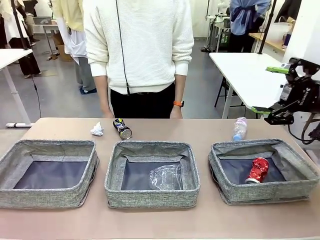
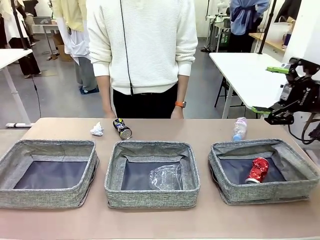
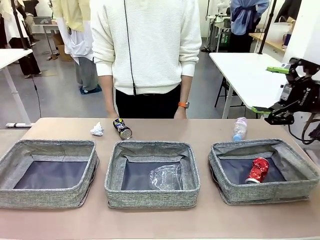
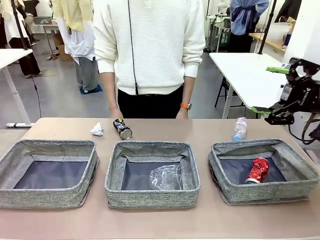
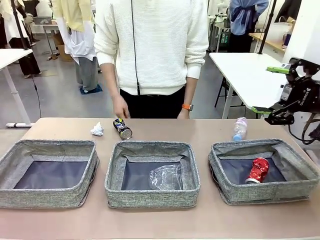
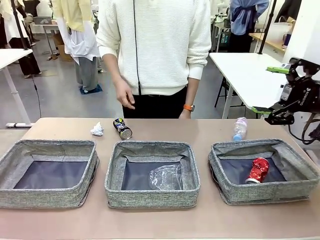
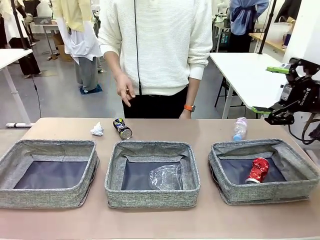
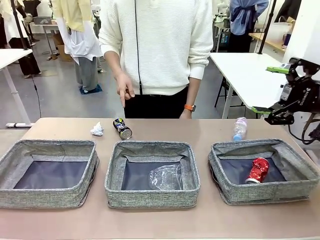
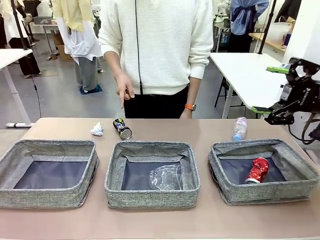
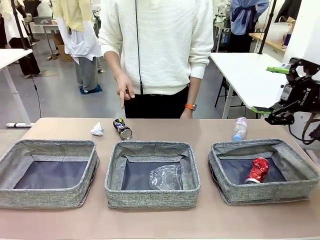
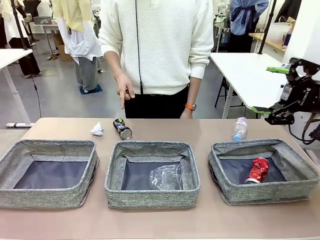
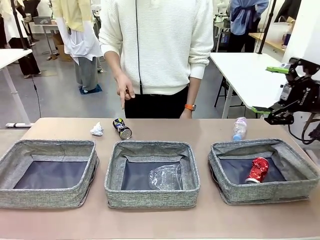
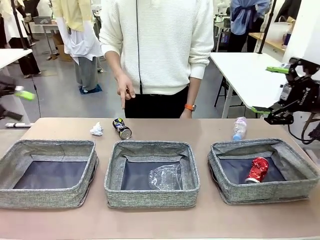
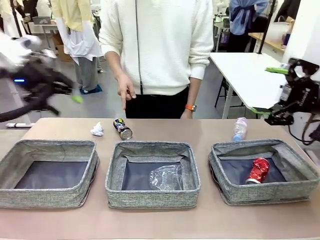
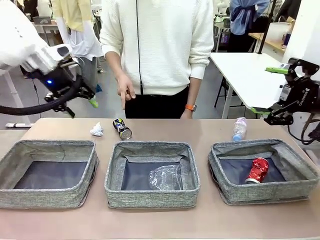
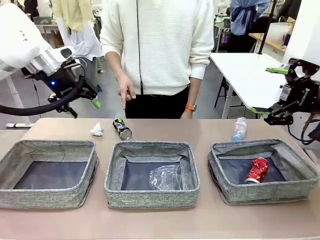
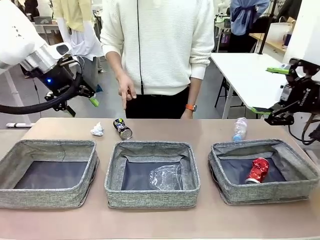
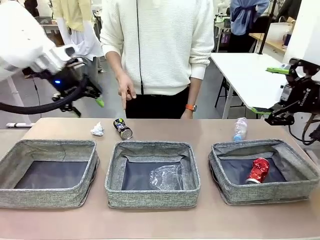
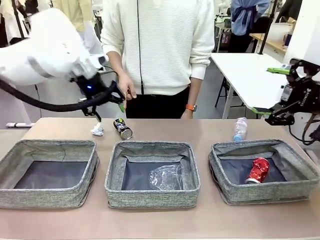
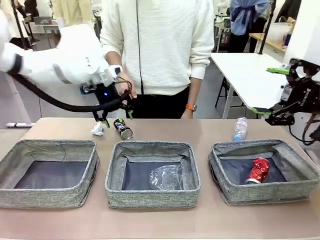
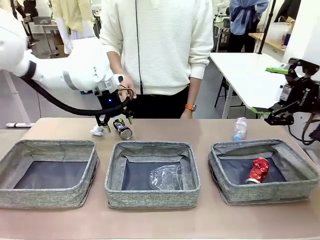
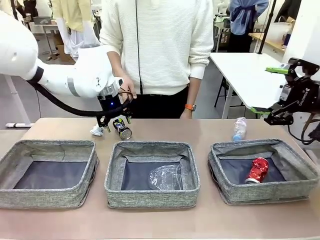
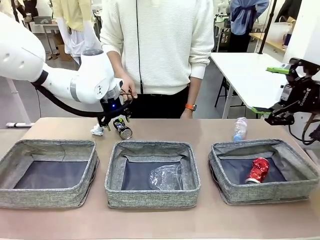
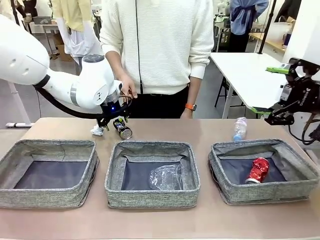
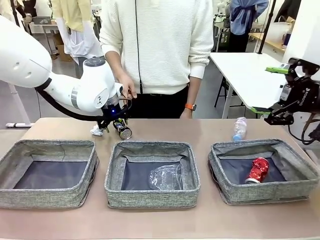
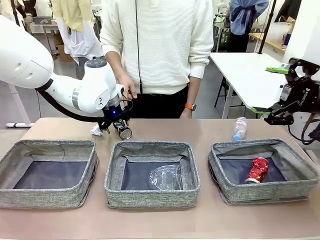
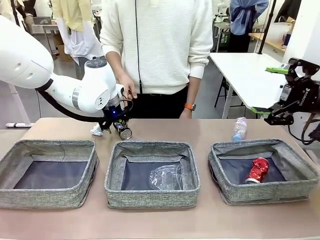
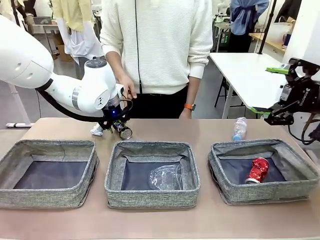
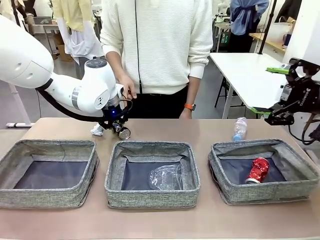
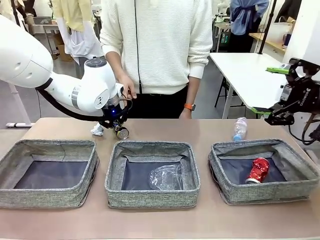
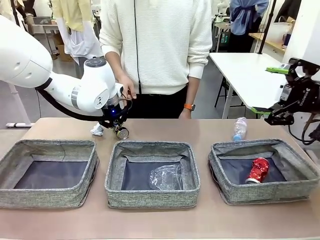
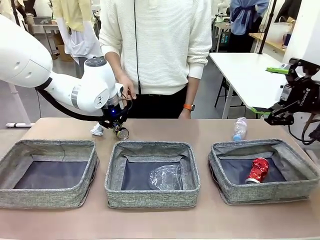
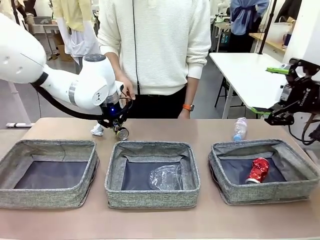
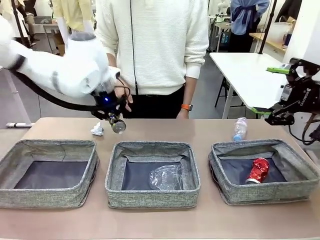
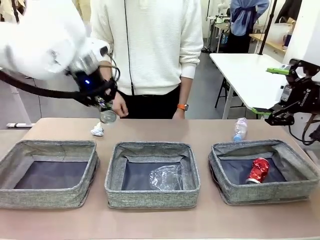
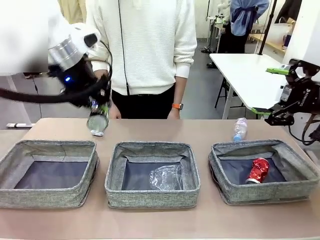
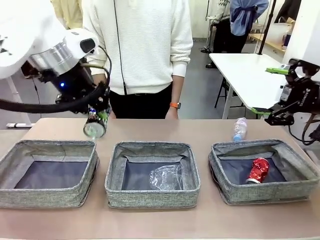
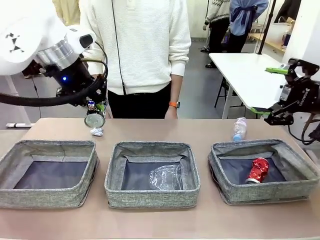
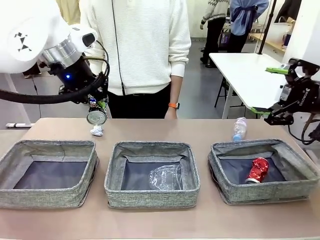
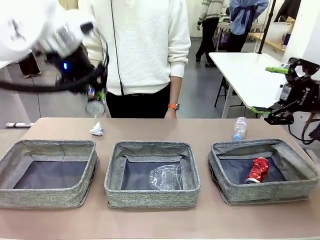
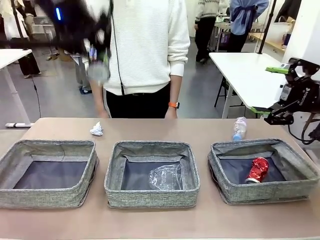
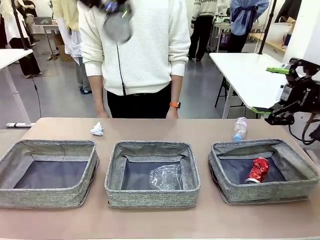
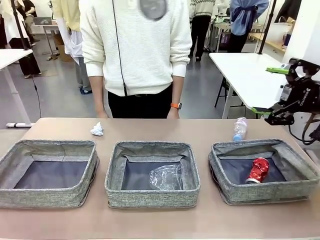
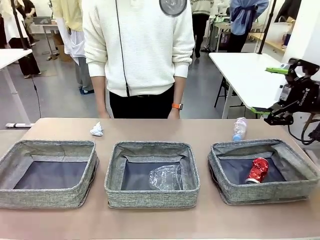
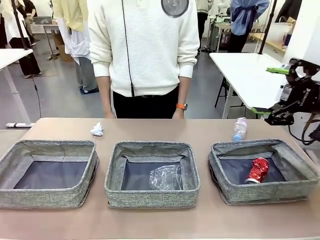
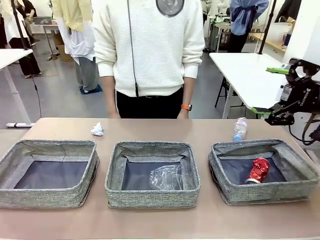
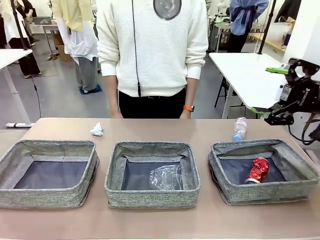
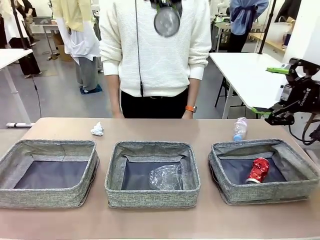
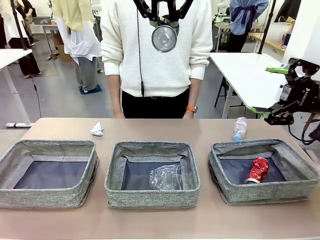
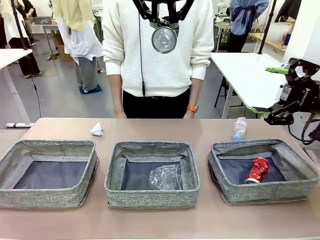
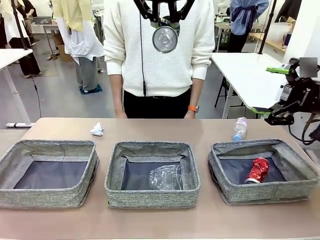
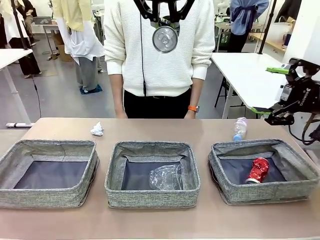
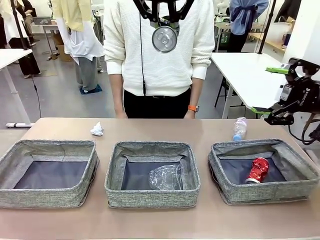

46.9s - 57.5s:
Task: Sort the waste into the appropriate baskets.
Robot: Pick up the waste item pointed out by the person.
Person: Points to one piece of trash on the table.

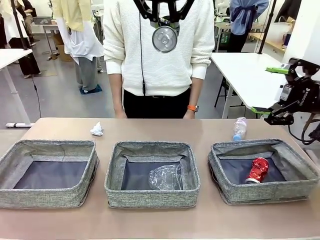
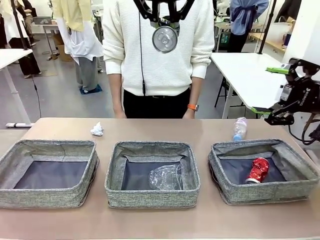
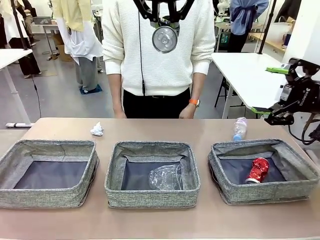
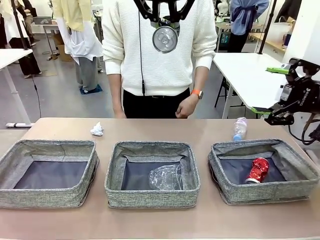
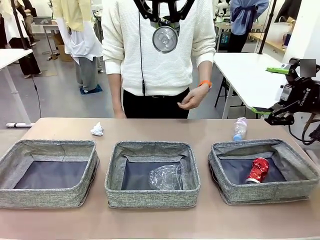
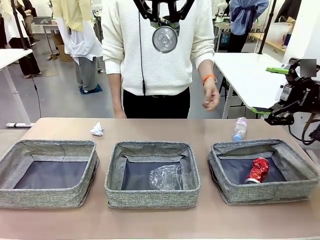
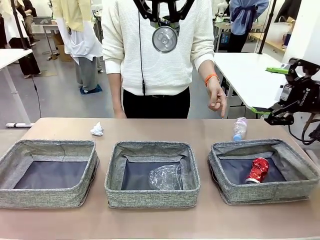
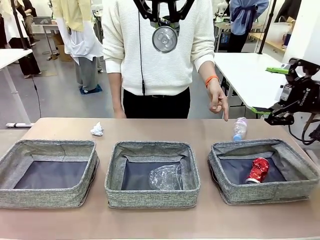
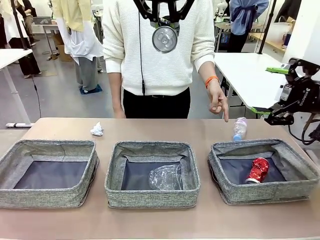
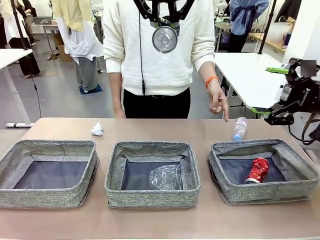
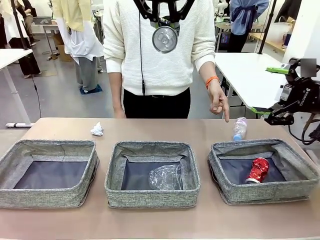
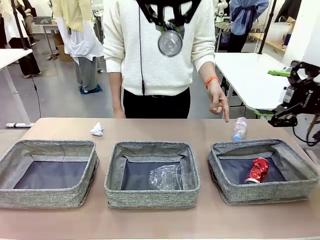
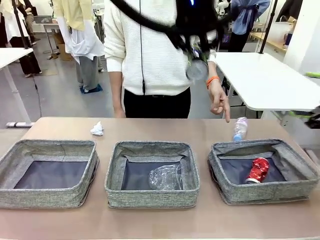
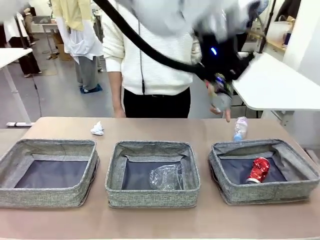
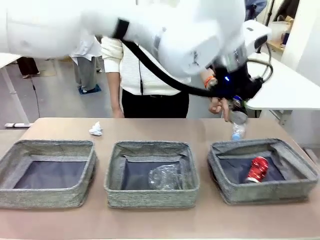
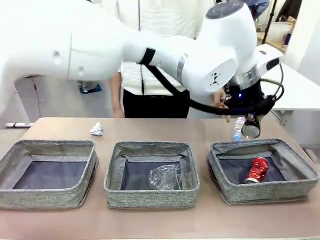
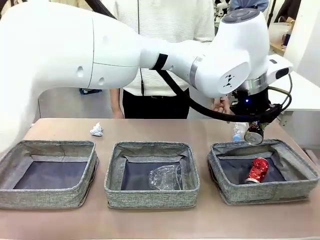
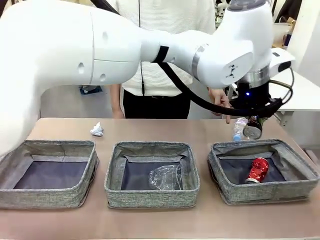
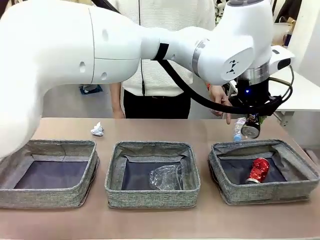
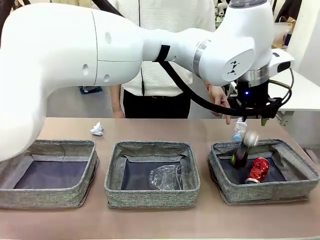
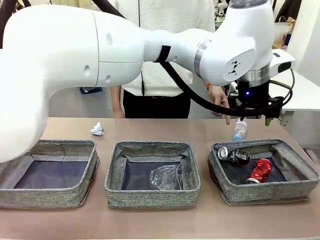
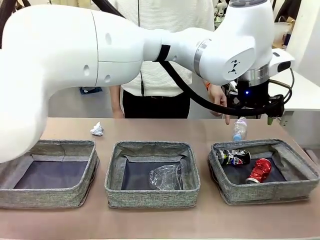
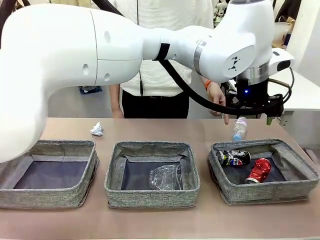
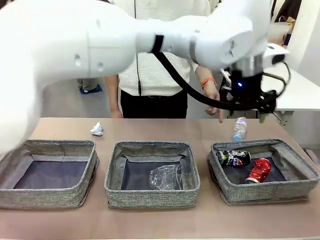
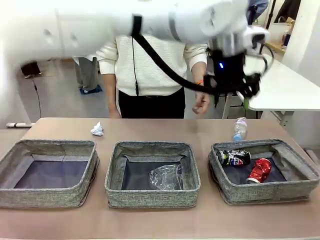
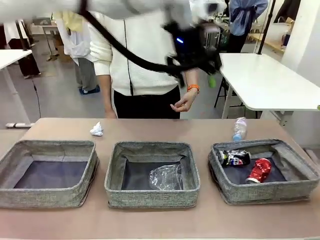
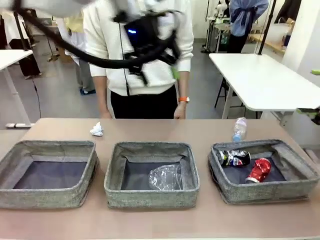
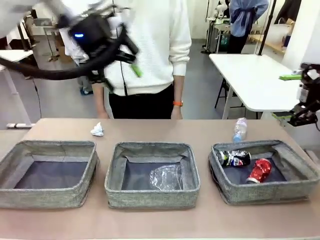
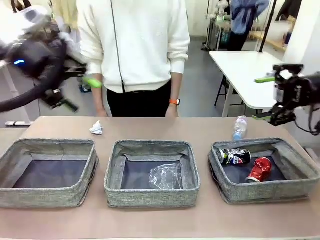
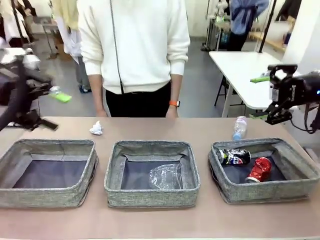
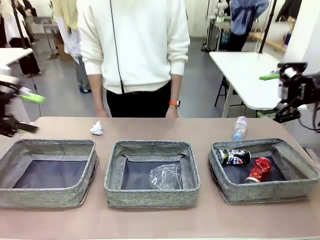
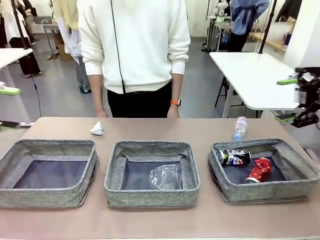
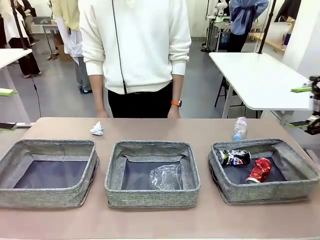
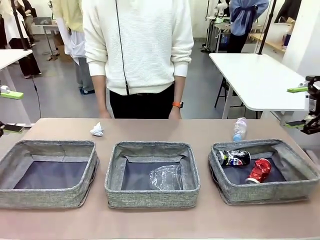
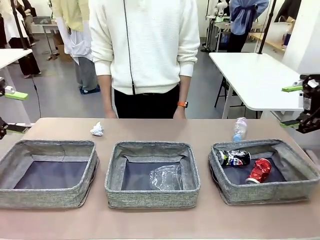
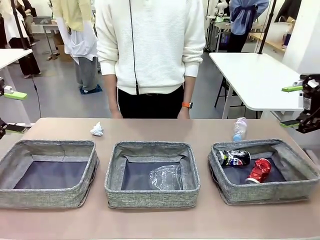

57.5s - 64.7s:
Robot: Place the picked waste into the Fabric basket indicated by the person.
Person: Instructs the robot to place the picked-up trash into the appropriate organizing basket.
